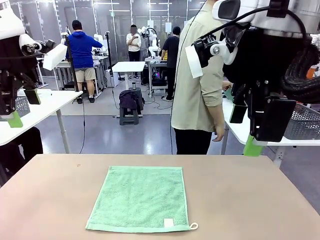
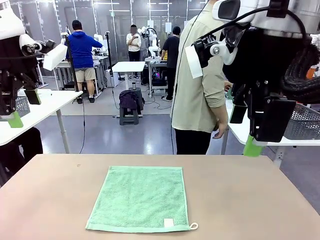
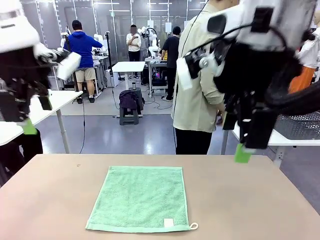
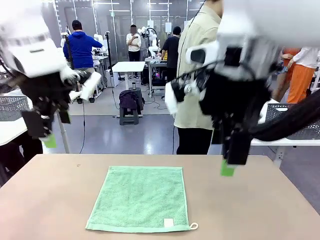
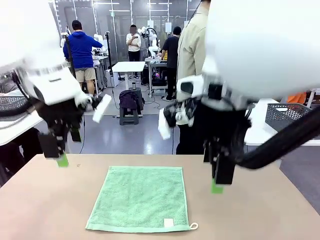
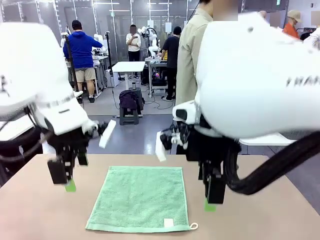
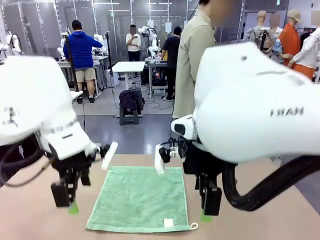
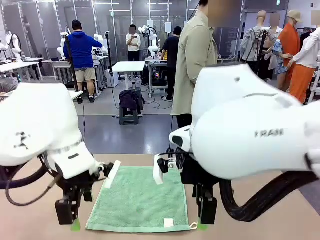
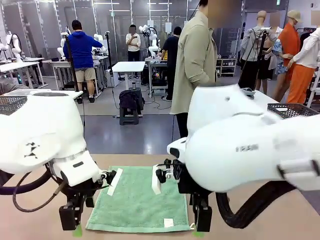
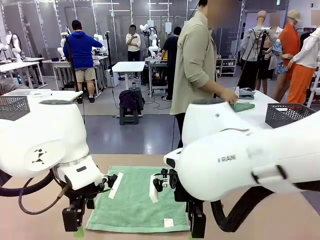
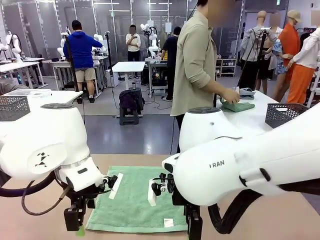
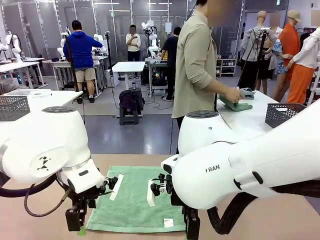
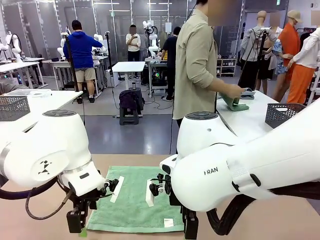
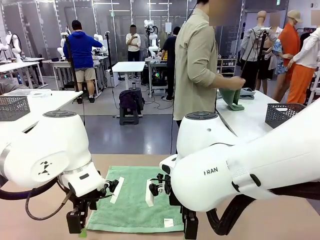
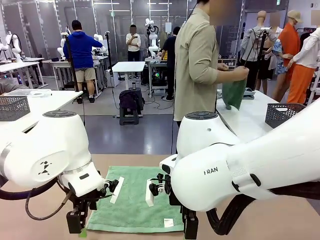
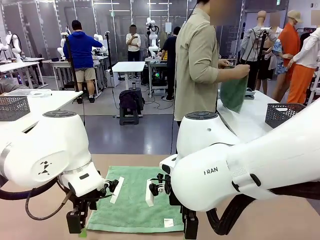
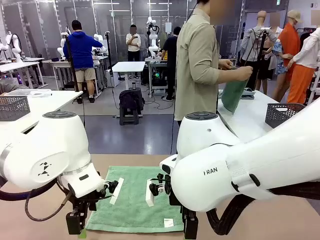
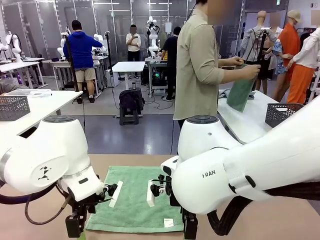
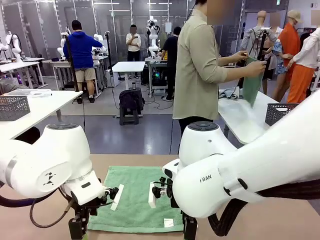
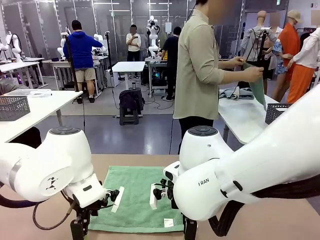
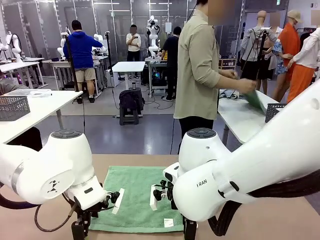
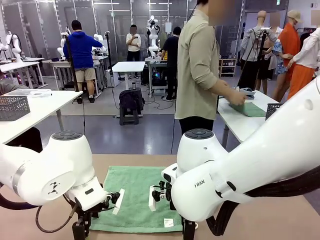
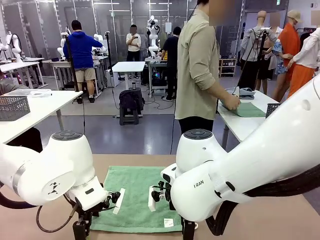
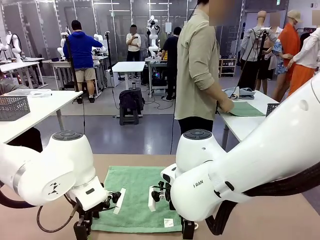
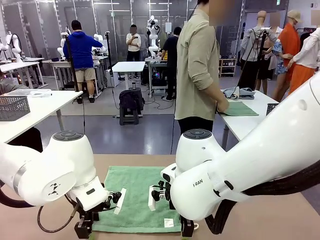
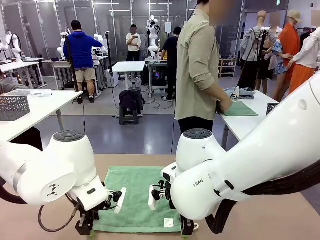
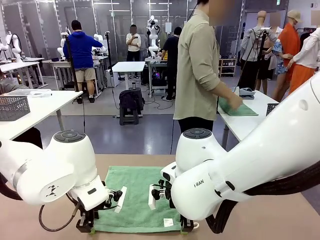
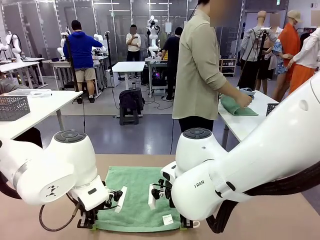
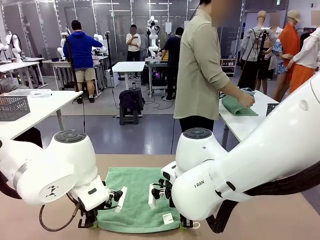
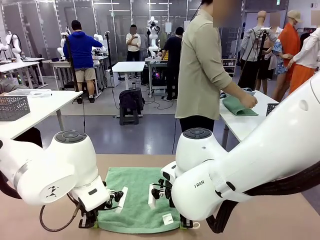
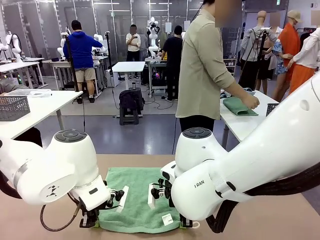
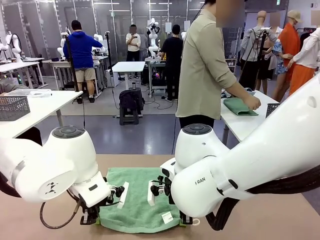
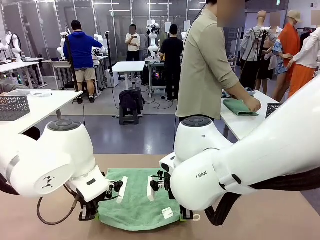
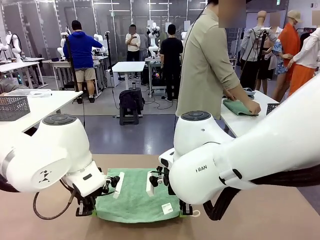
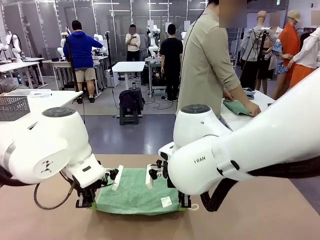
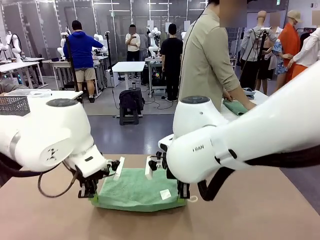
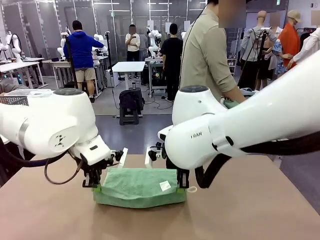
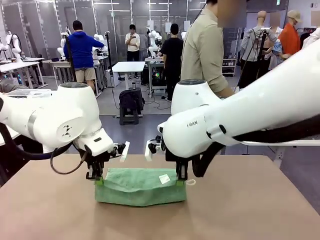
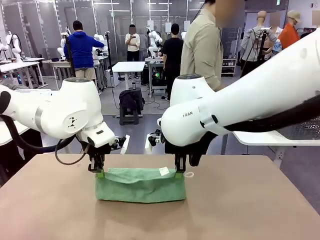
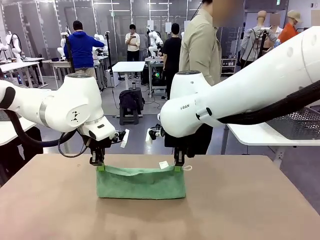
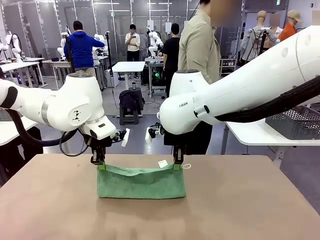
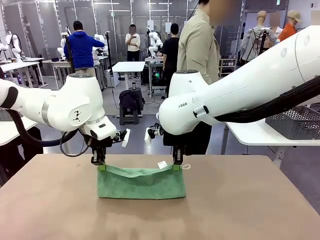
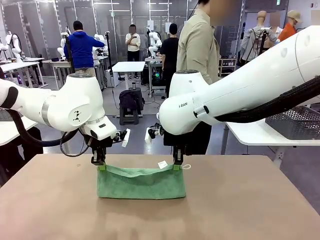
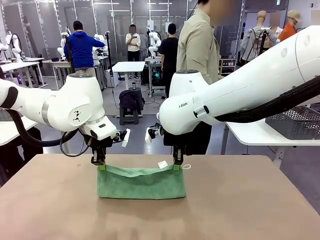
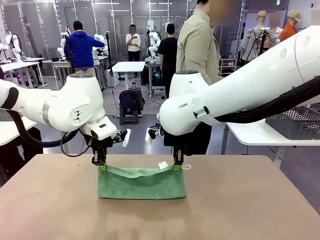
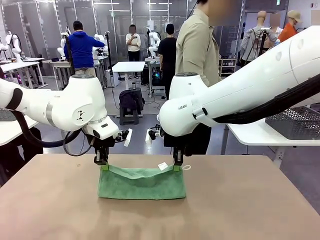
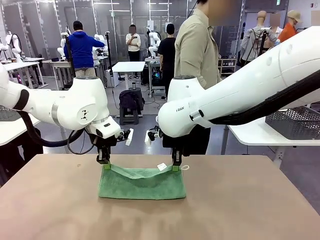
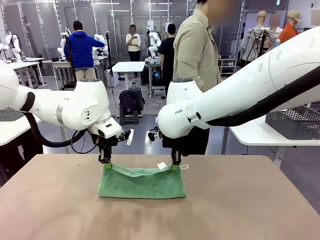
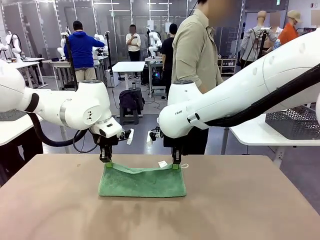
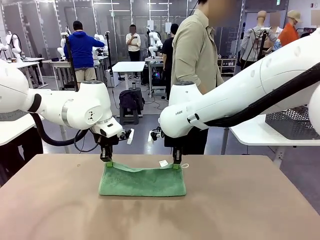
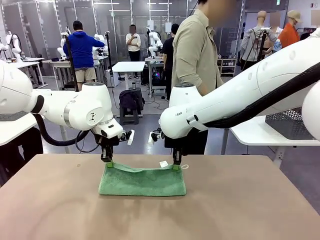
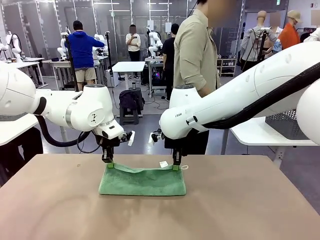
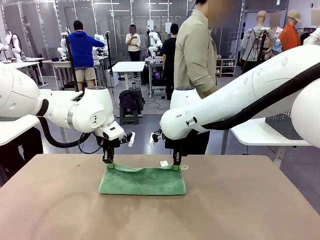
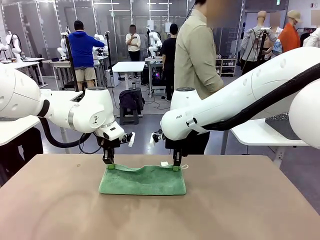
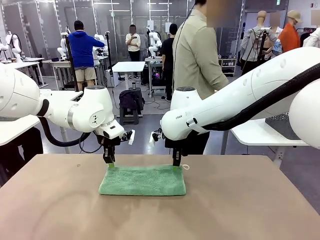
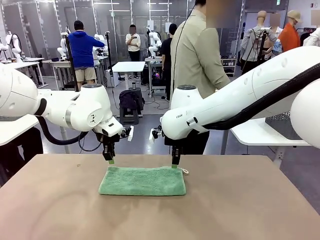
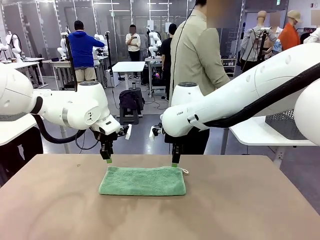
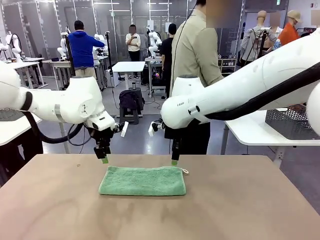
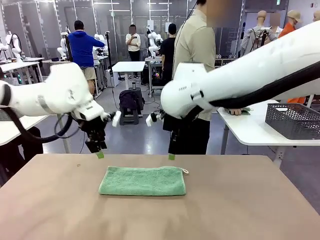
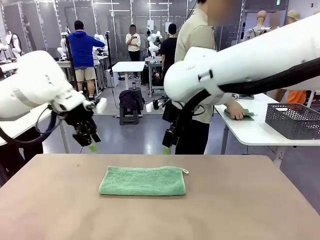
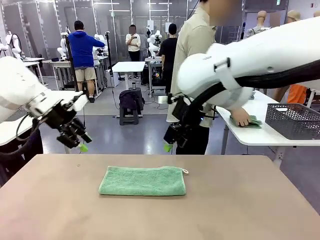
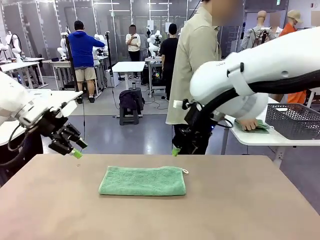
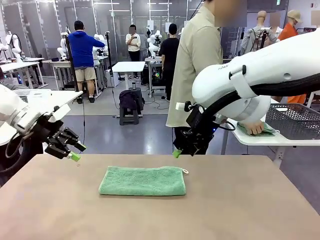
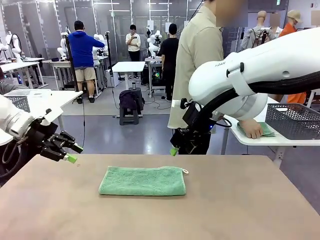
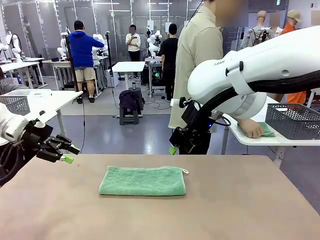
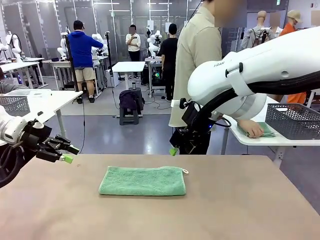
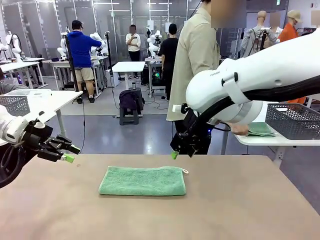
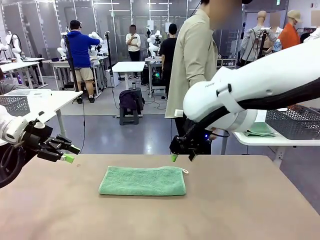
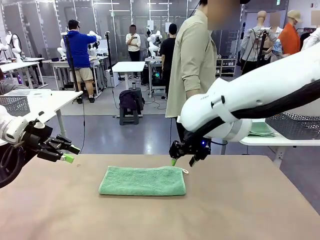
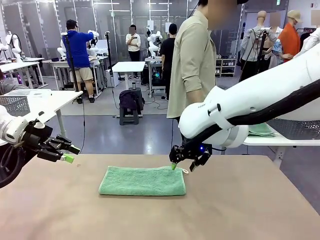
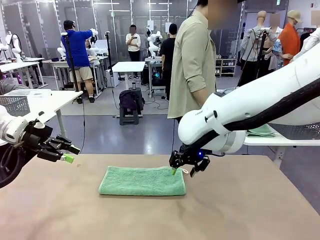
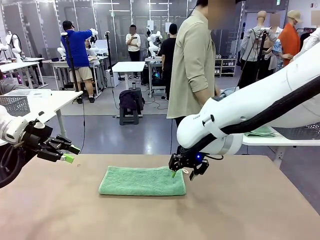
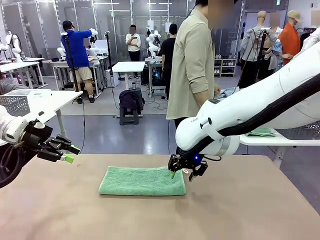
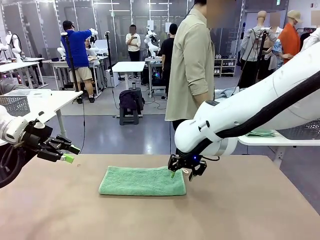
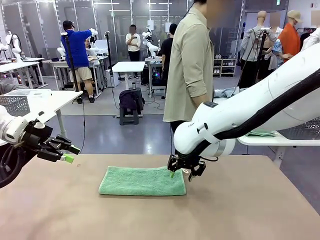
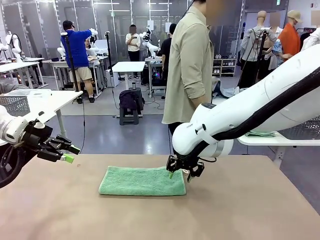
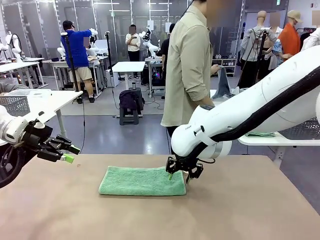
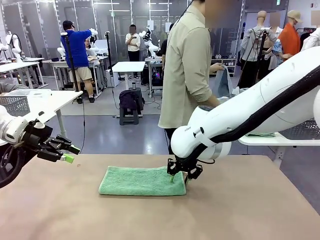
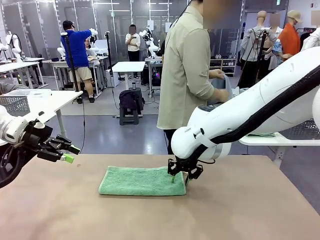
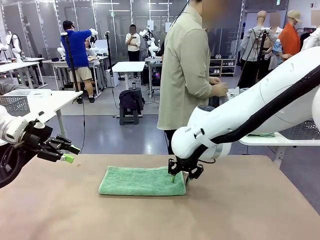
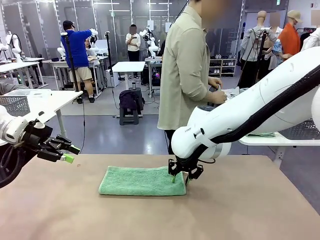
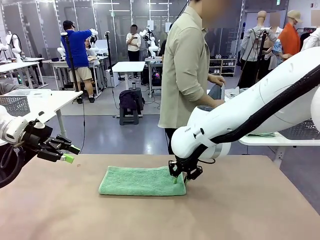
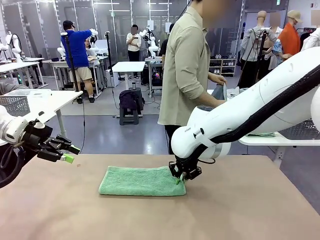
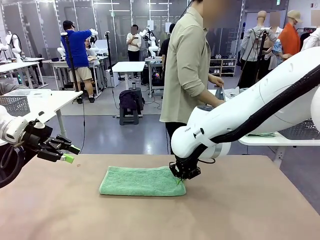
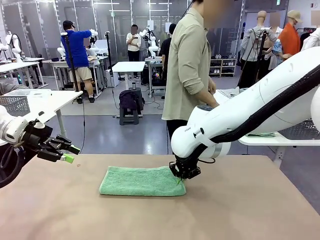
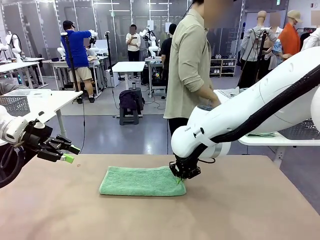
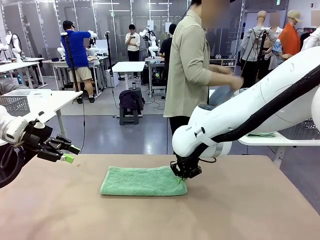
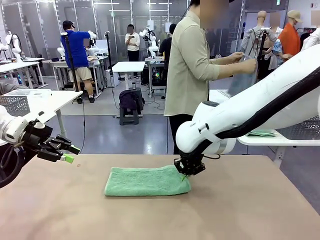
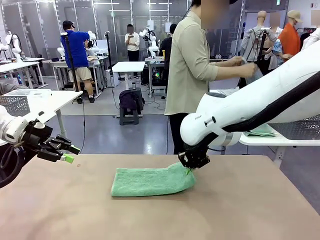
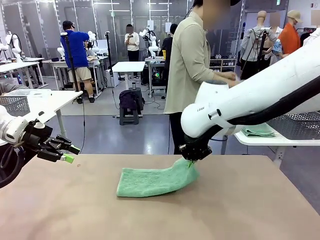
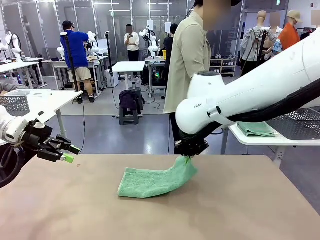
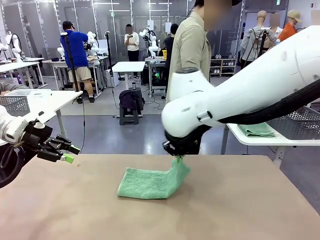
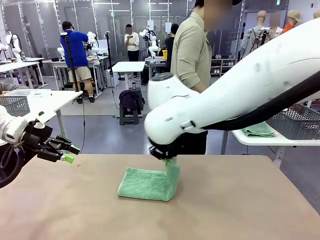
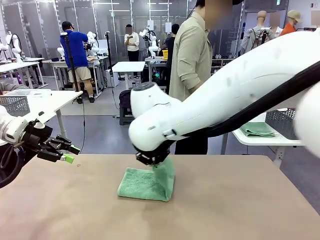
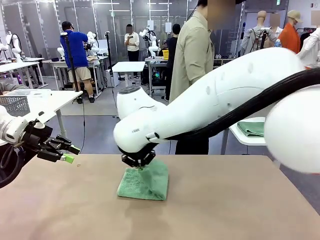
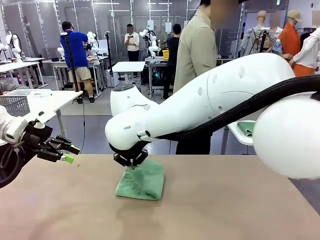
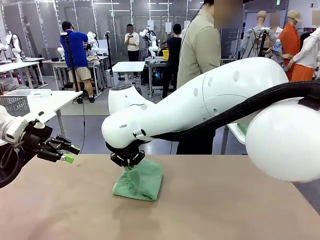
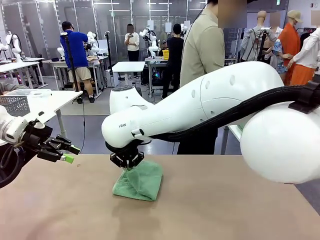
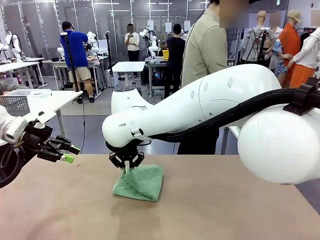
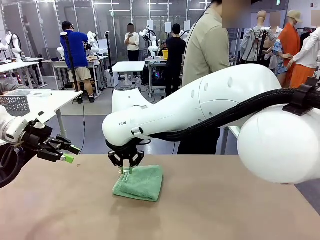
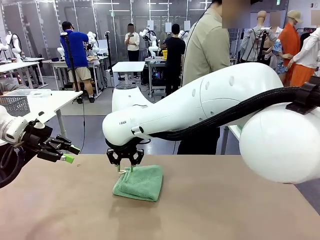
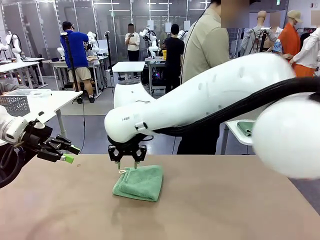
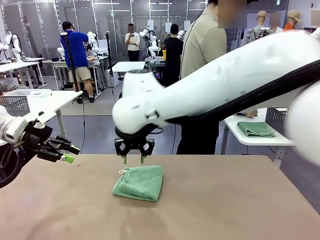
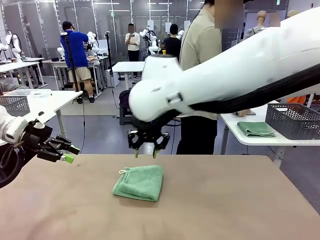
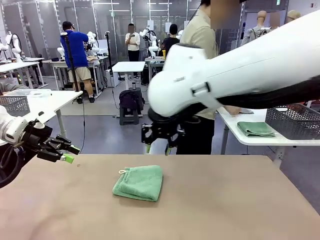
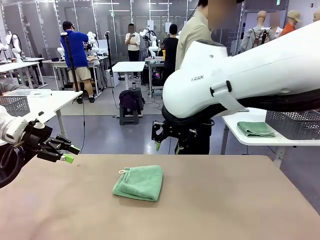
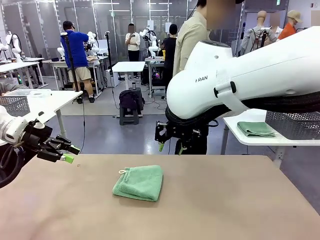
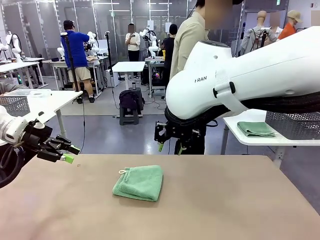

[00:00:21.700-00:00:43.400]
Task: Fold the towels and place them in the basket.
Robot: When a person lays out a Towel with hook on the table, fold it in half twice.
Person: Pick up one towel from the left side of the human table, fold it in half twice, and place it on the right side of the table. Pick up one towel from the left side of the human table, fold it in half twice, and stack it on the right side of the table.
